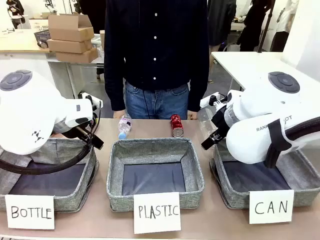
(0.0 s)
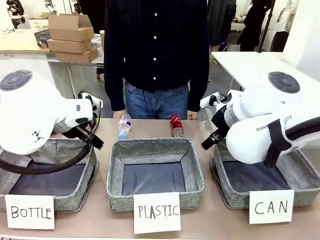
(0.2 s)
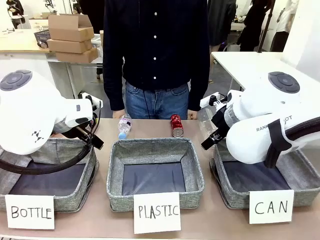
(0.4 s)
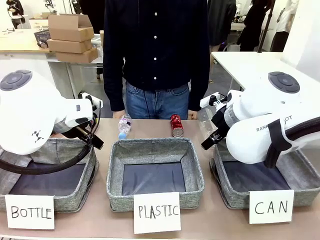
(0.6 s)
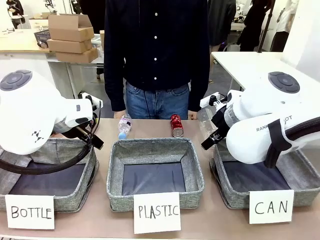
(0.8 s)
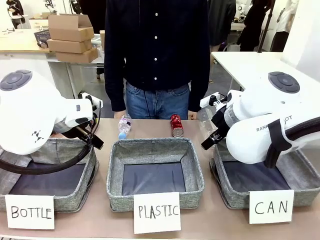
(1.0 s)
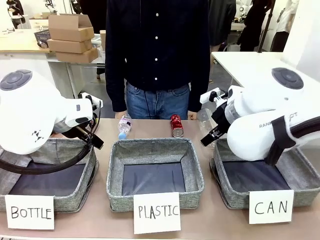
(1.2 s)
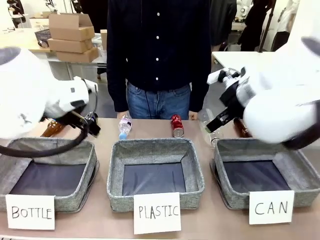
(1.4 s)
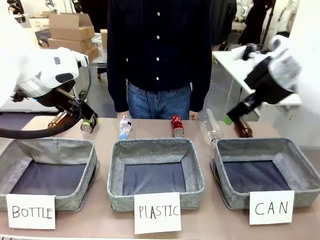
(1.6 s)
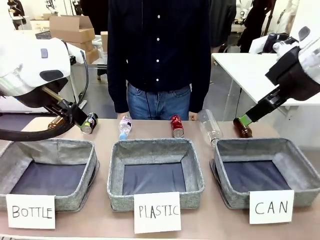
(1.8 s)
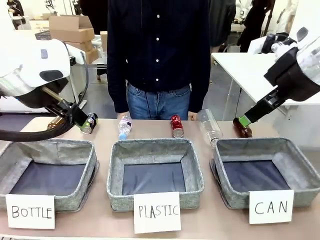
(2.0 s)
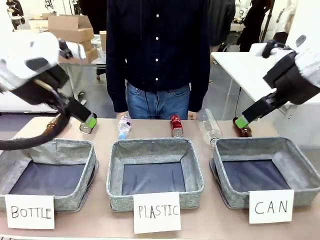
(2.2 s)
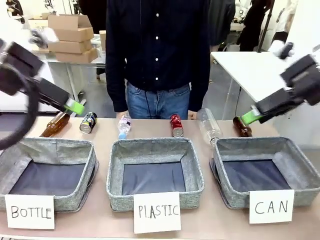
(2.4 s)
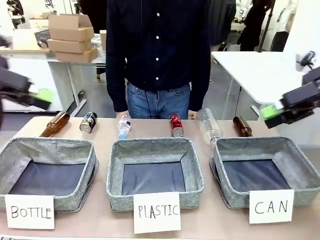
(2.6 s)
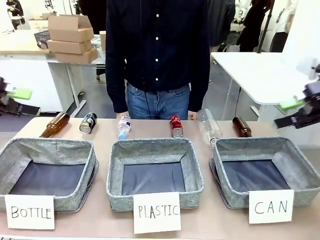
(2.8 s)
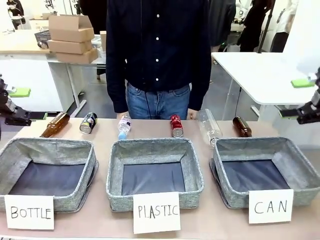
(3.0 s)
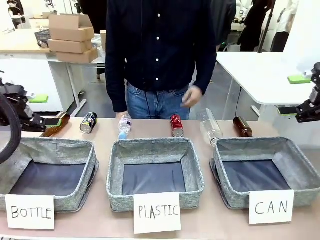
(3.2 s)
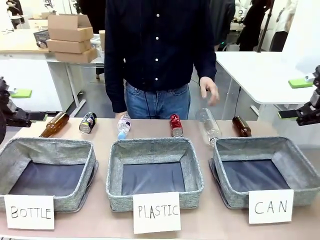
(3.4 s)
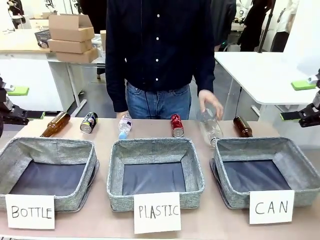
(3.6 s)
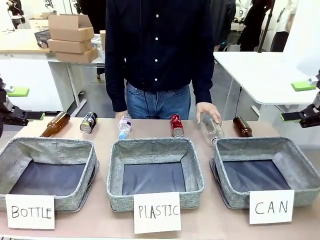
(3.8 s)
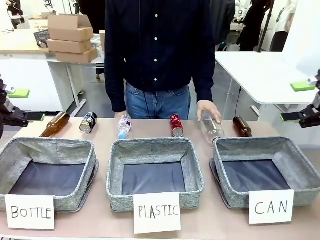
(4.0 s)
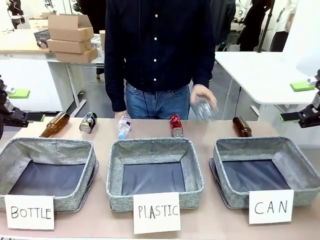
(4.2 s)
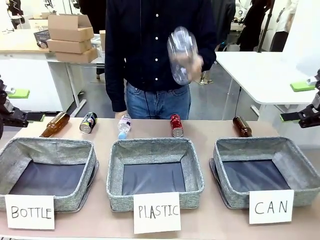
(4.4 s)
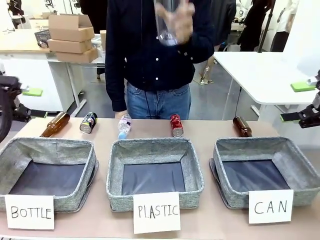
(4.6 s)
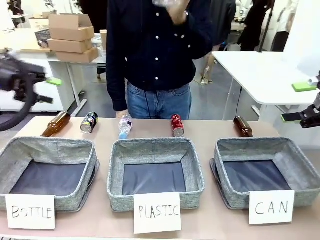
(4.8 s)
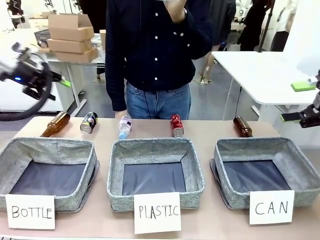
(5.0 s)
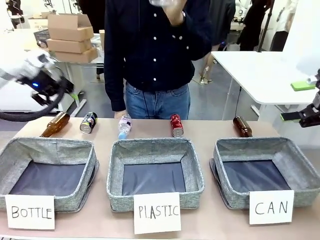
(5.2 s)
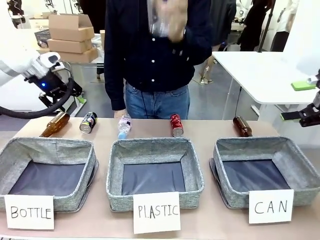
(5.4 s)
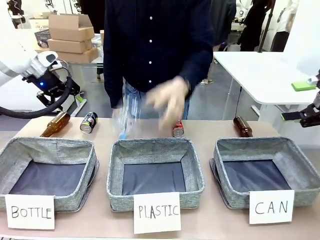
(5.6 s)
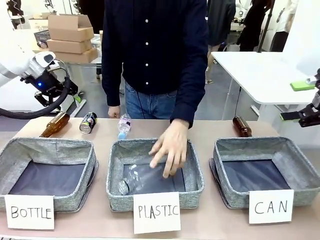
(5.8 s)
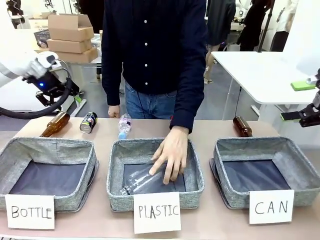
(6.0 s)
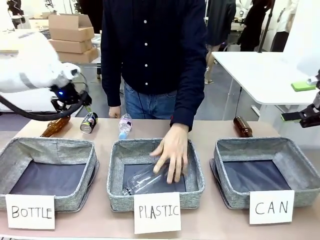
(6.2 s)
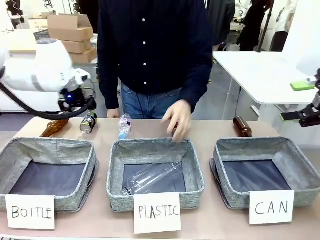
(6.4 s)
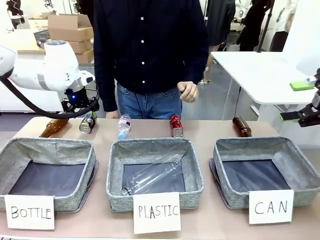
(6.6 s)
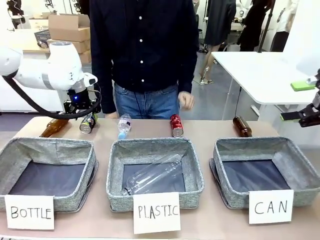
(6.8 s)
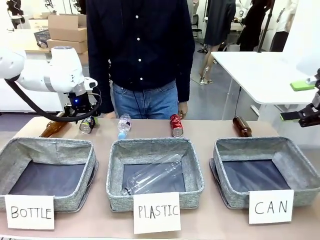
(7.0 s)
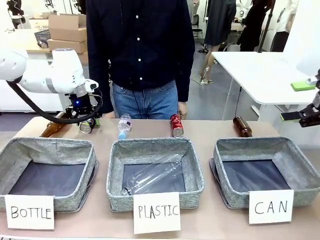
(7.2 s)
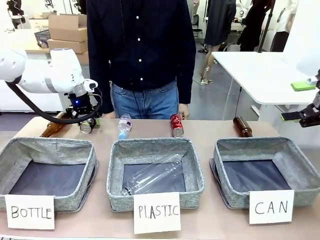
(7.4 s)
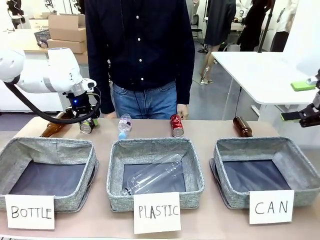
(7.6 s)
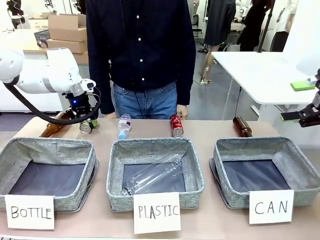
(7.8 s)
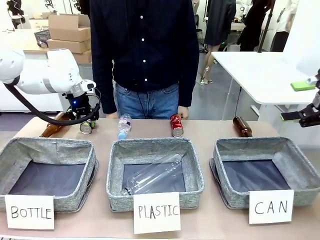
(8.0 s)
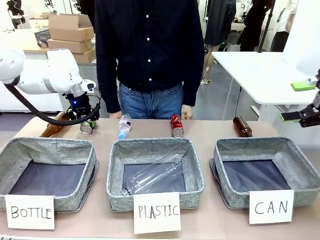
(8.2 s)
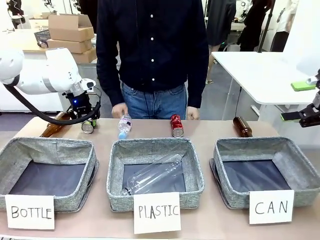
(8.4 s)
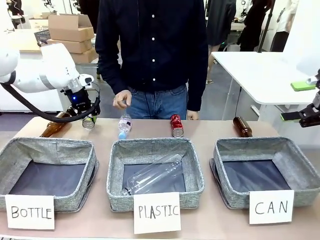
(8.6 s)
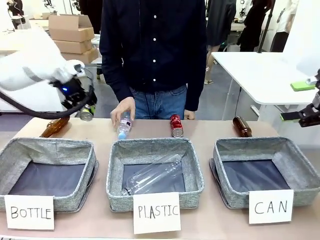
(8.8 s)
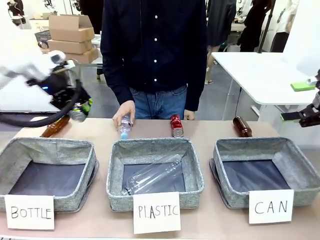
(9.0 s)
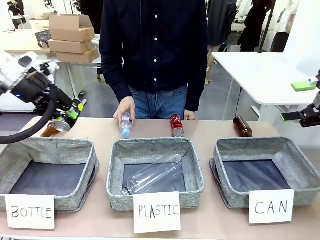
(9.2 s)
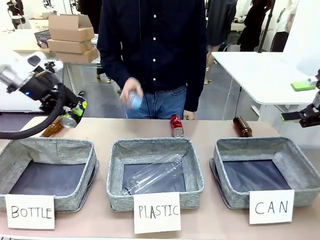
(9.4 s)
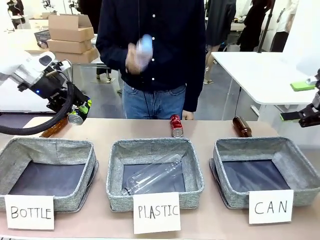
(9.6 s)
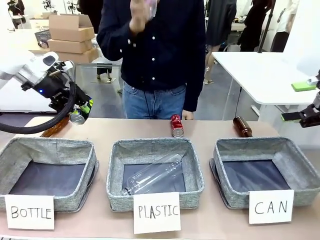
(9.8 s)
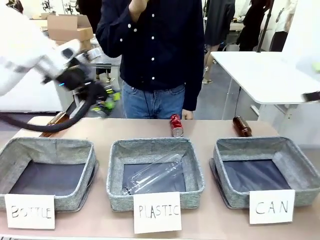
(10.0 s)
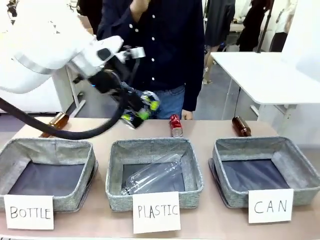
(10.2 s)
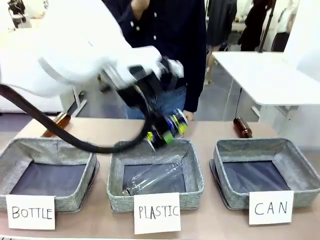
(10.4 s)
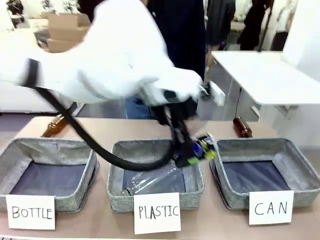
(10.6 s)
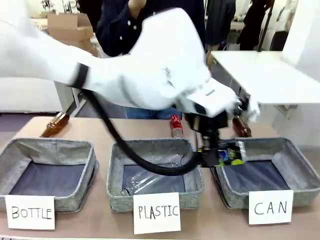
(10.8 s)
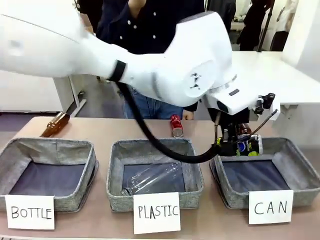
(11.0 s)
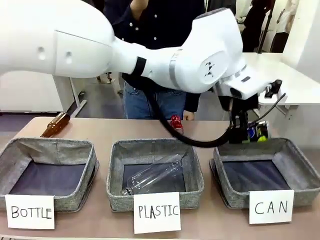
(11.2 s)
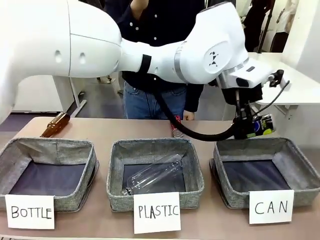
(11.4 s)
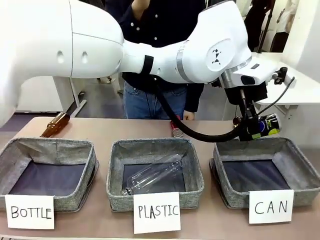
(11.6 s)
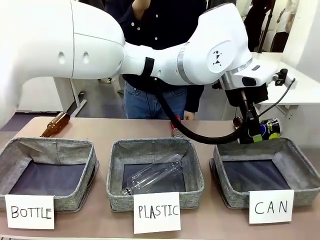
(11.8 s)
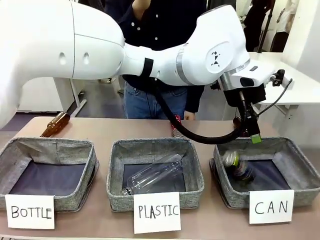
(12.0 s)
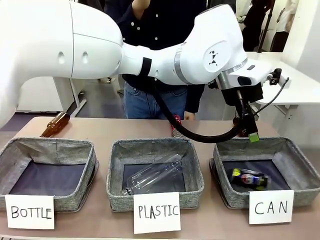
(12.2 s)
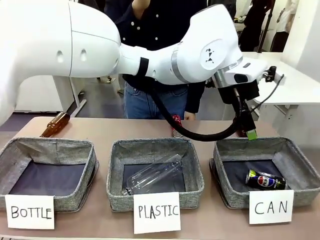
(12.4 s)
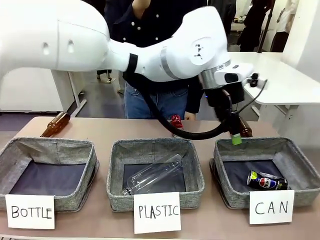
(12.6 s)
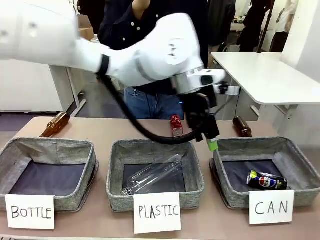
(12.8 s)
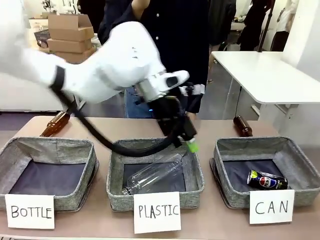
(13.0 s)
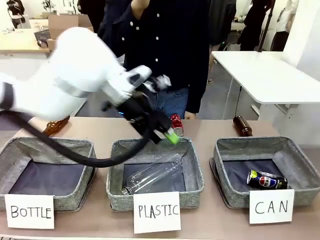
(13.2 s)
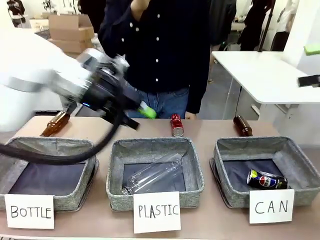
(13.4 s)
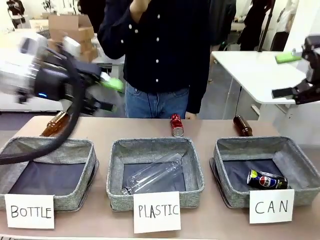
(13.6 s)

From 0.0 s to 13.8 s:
Task: Sort the can waste into the basket.
Robot: Pick up the can waste from the table and place it in the right Fabric basket.
